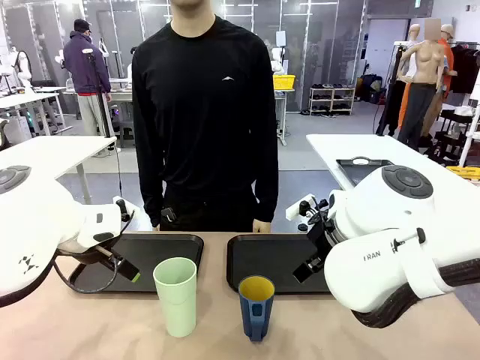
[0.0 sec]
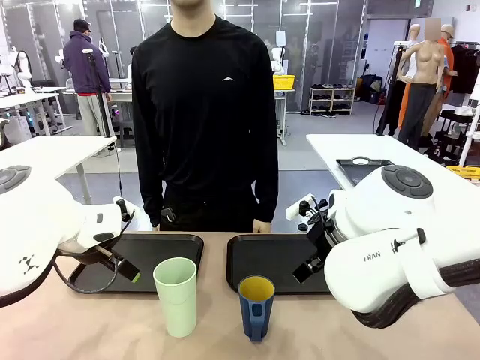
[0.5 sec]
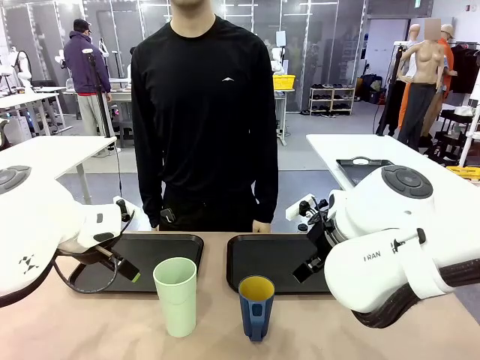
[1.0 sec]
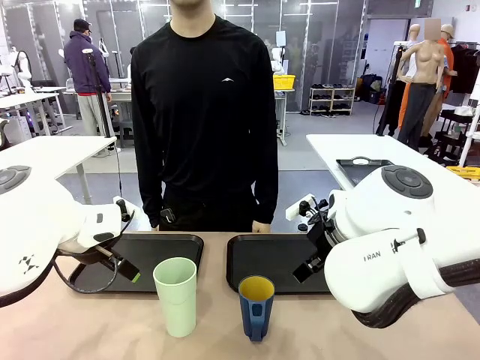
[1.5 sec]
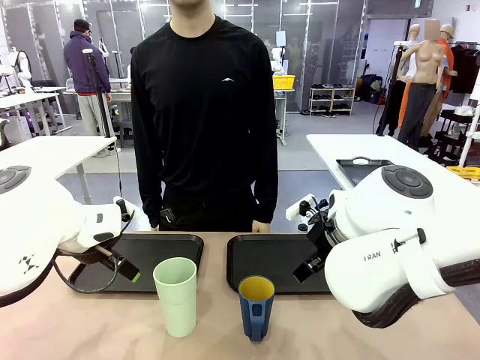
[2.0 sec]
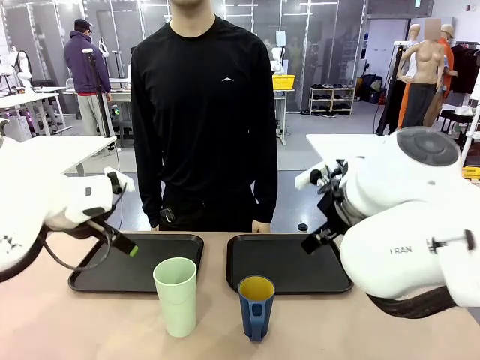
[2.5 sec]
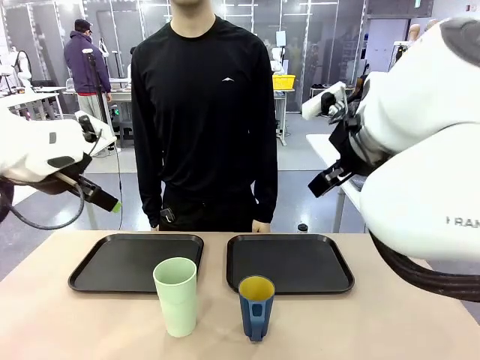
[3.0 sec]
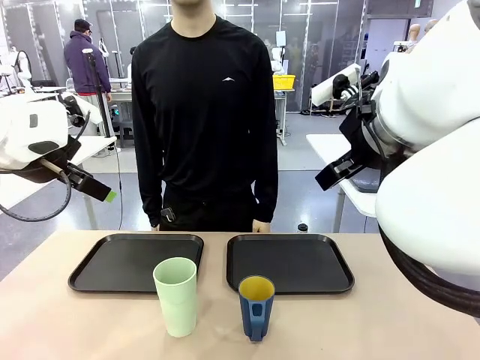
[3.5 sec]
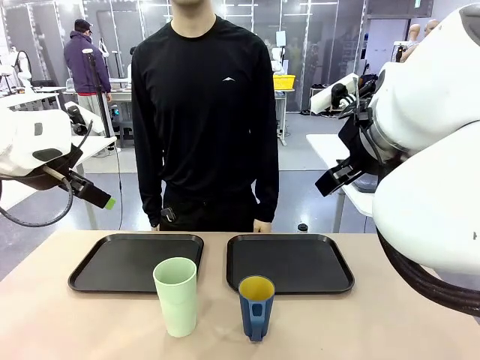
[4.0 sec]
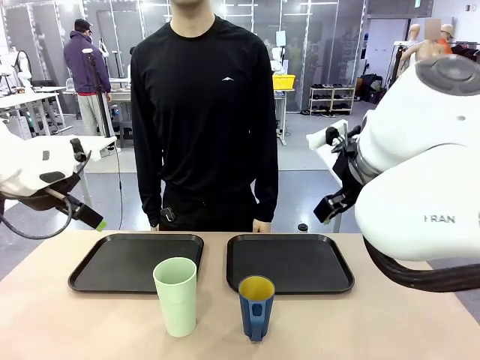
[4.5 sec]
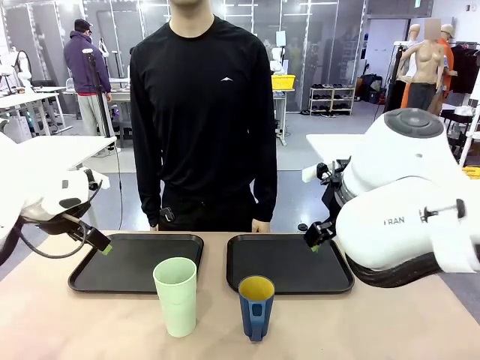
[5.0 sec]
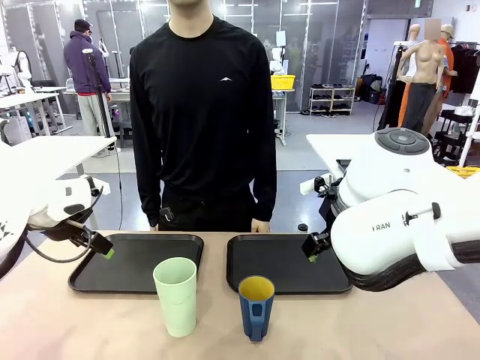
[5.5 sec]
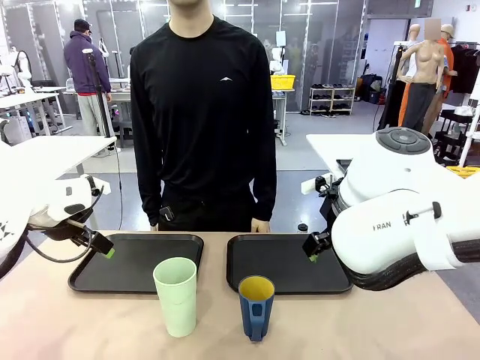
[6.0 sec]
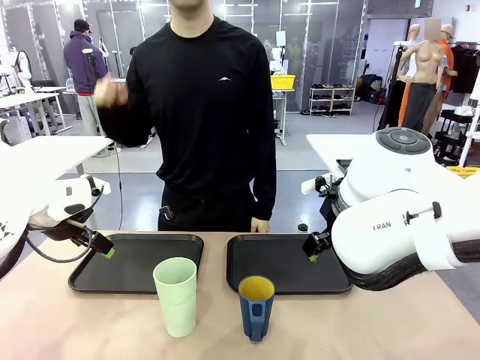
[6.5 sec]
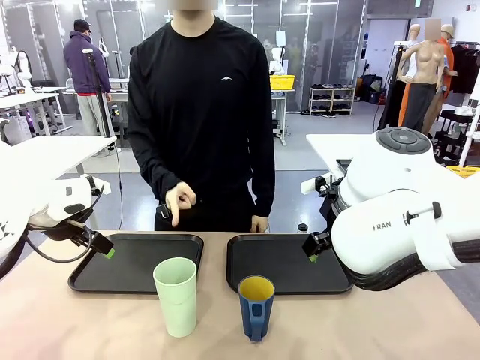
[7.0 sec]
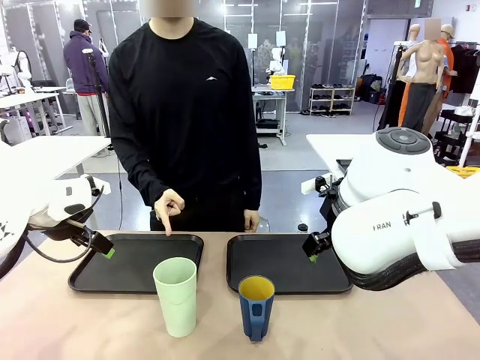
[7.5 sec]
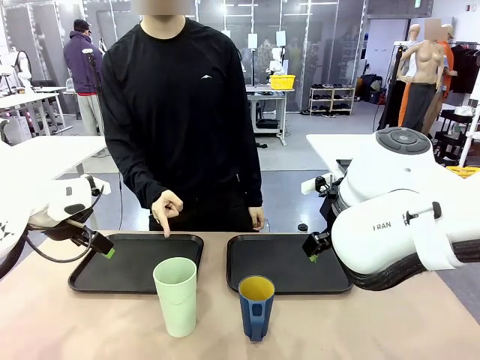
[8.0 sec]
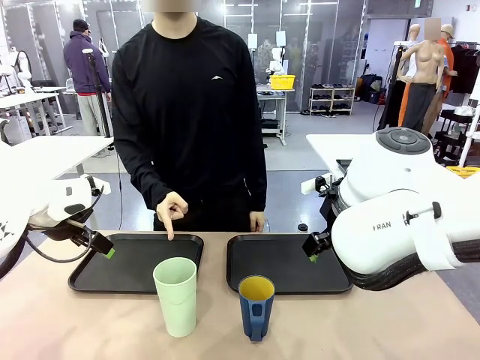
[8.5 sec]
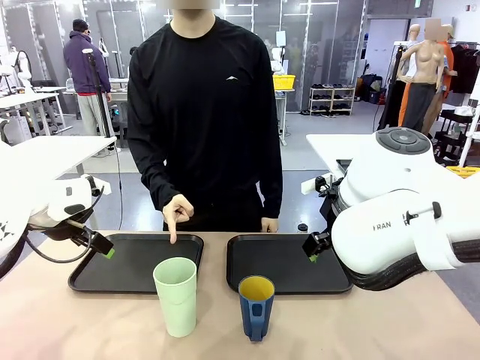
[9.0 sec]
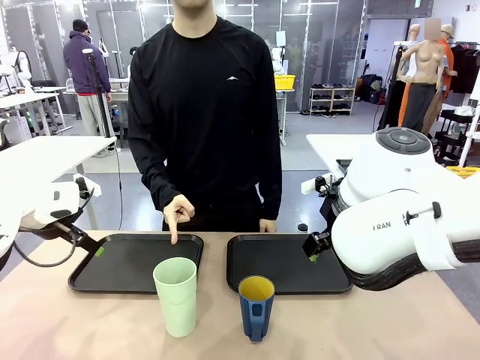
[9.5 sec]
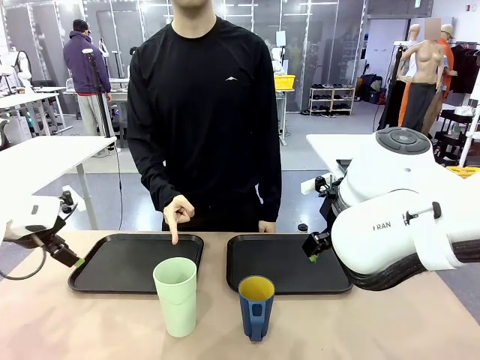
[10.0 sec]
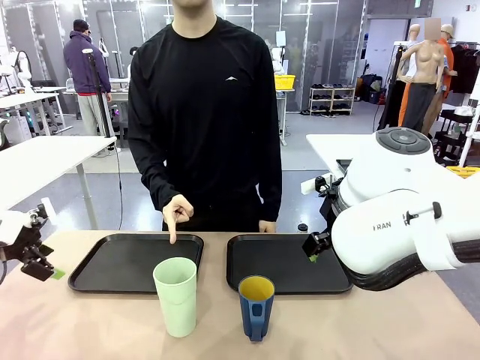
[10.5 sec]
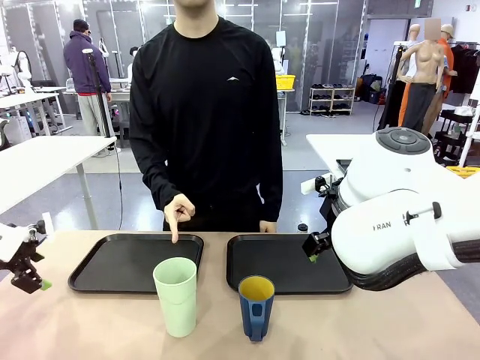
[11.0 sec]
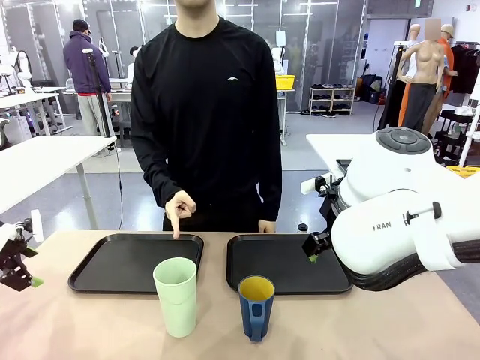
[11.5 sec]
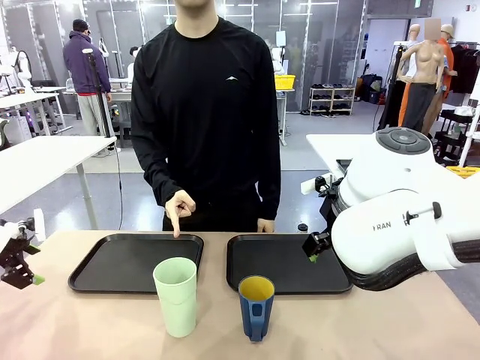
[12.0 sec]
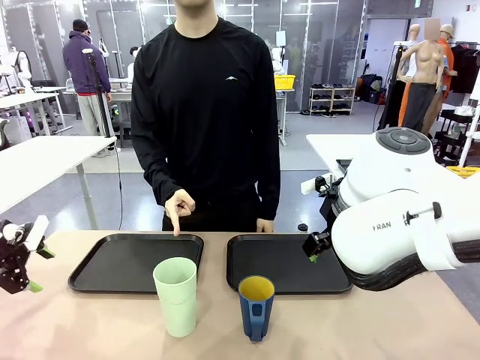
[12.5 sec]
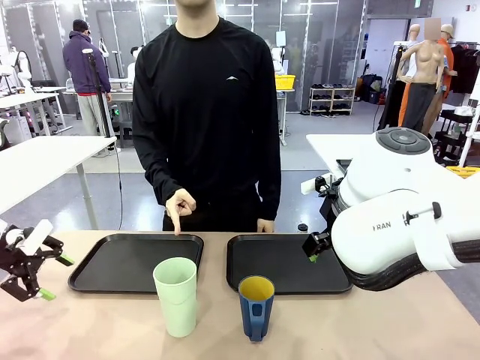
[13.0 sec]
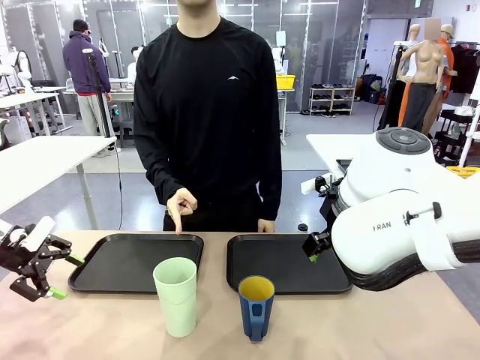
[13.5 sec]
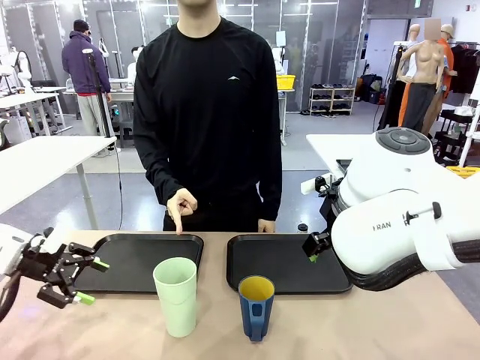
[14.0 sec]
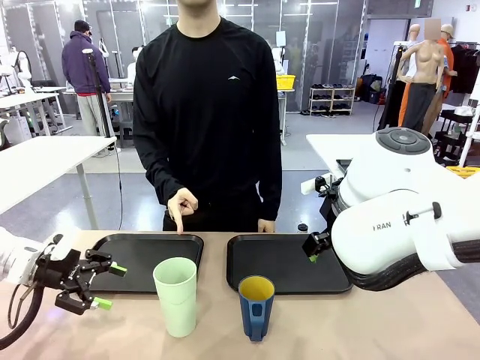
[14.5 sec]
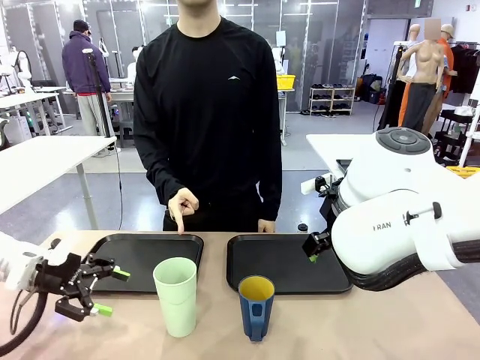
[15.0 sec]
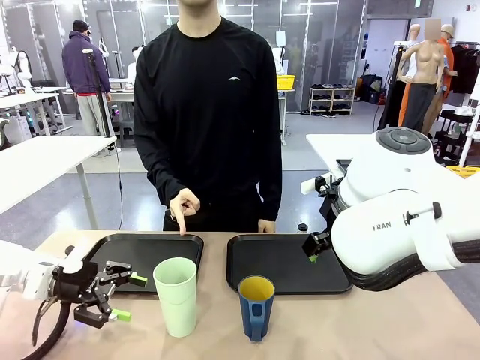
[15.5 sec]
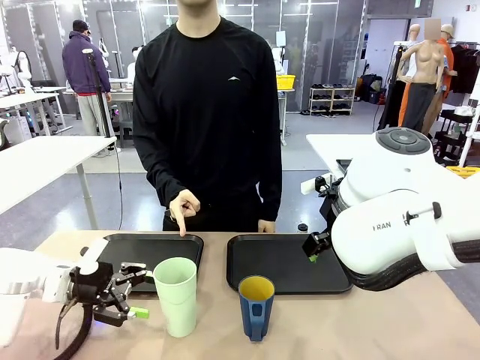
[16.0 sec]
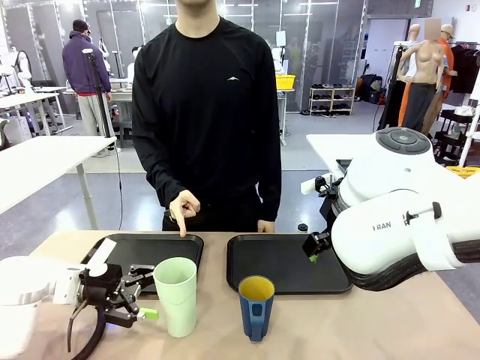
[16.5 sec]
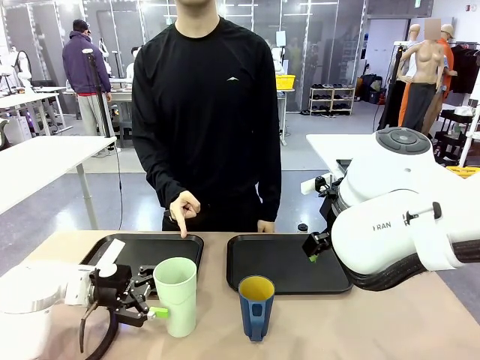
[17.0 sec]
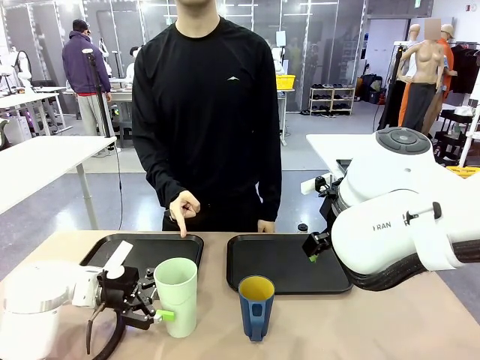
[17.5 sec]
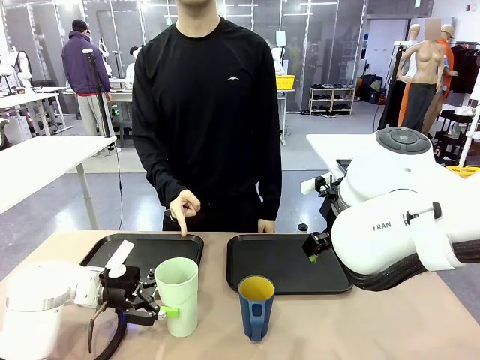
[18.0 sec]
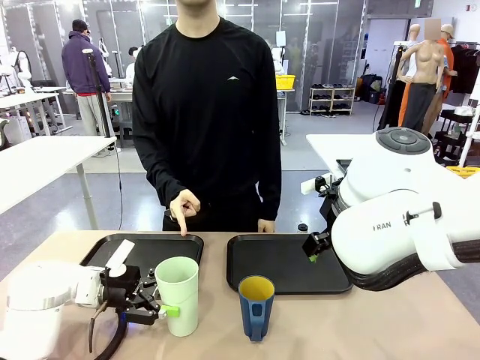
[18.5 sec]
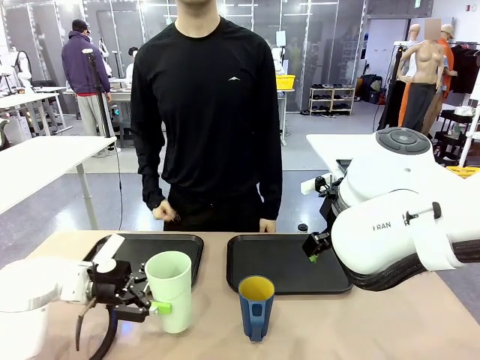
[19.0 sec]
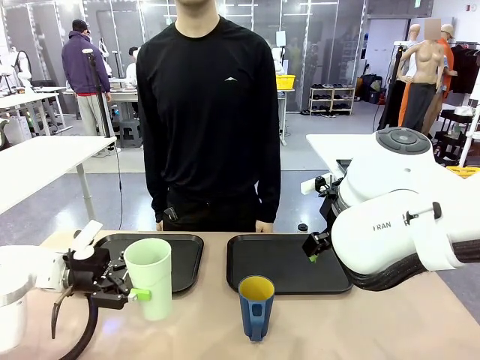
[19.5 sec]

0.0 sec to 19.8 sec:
Task: Sort and store the cups by type.
Robot: Pick up the Reusable plastic cup.
Person: Points to the reusable cup. Point to one of the two trays.

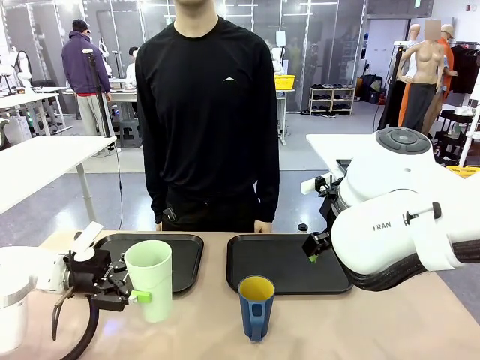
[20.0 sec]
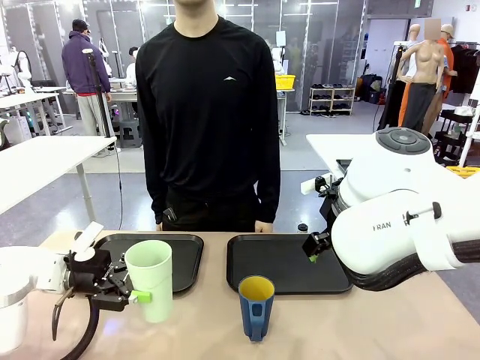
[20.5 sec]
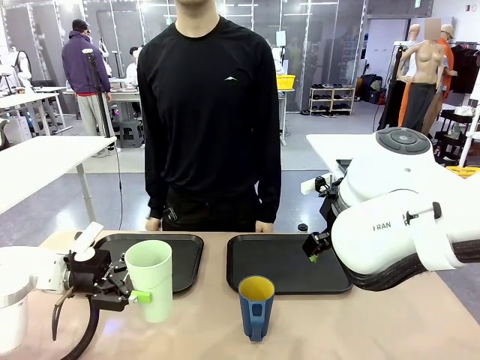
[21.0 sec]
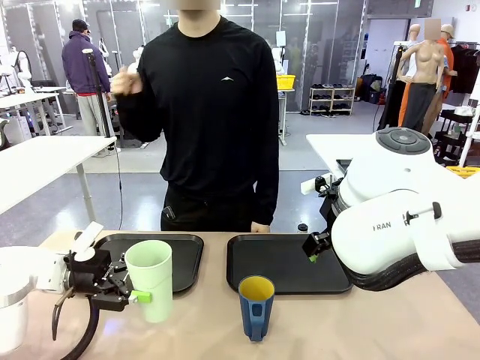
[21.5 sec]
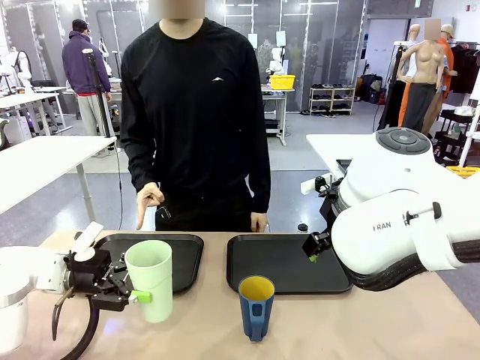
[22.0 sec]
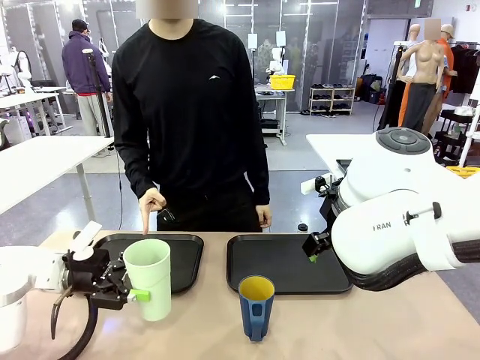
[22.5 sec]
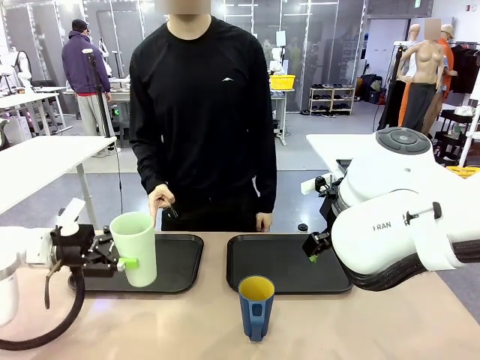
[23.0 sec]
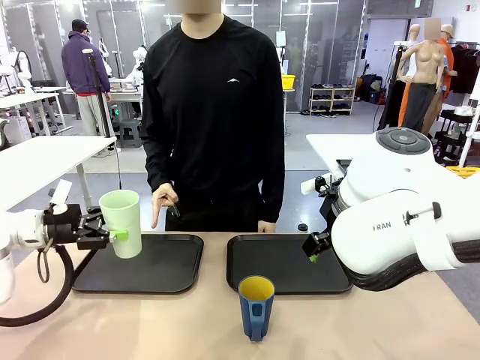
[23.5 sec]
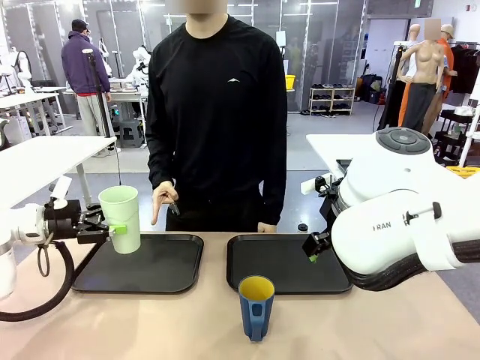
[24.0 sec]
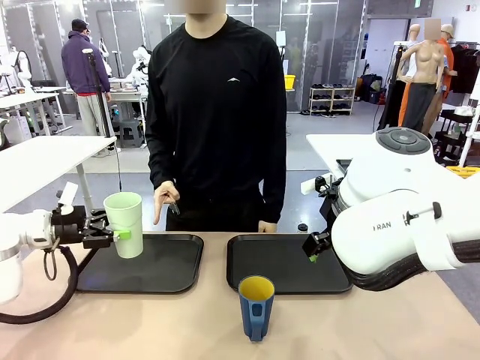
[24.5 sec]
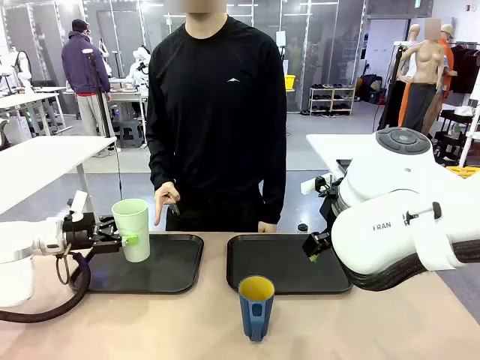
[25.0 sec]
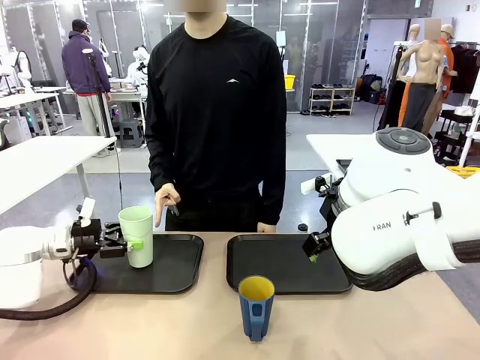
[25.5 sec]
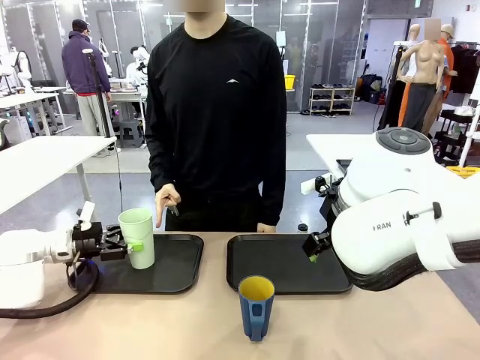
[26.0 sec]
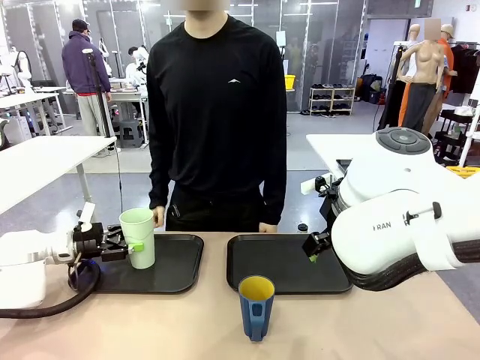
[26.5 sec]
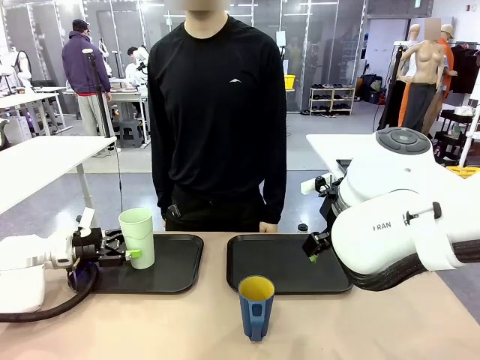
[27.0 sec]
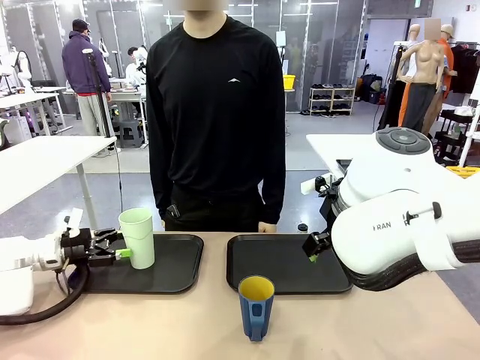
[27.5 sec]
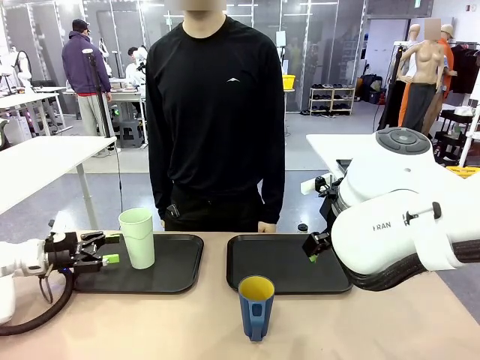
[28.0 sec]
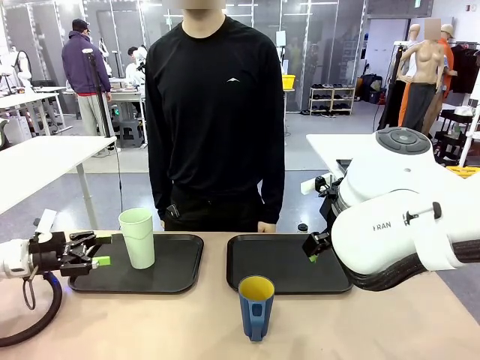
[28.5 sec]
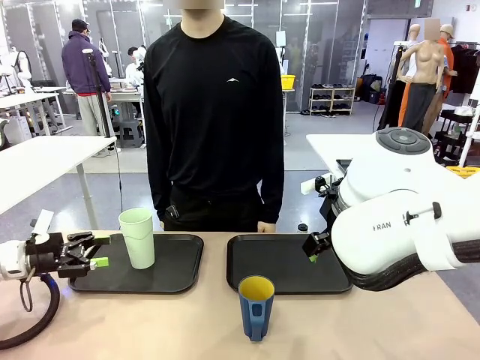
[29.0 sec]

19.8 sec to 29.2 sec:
Robot: Place the picked Reusable plastic cup into the Flat Tray indicated by the person.
